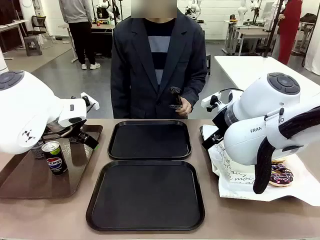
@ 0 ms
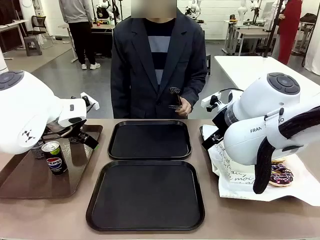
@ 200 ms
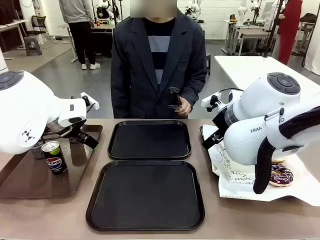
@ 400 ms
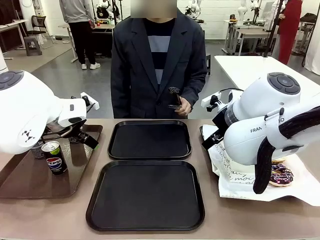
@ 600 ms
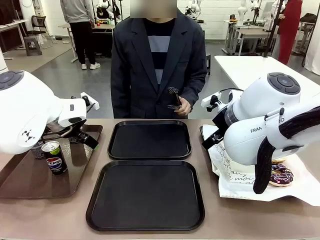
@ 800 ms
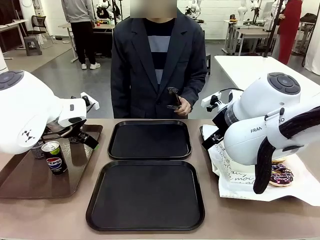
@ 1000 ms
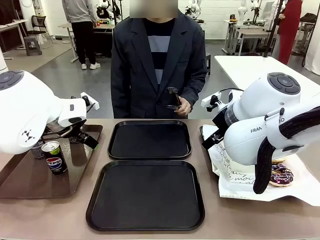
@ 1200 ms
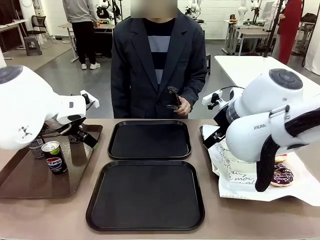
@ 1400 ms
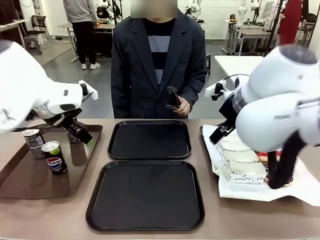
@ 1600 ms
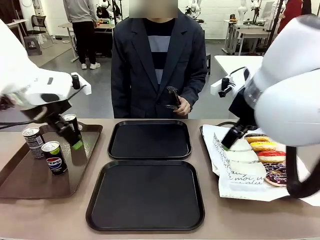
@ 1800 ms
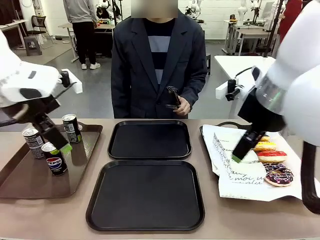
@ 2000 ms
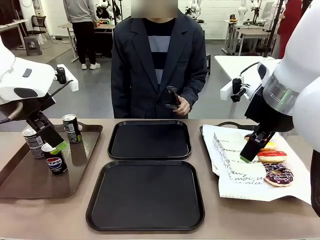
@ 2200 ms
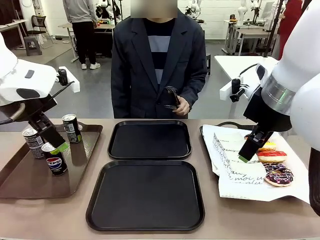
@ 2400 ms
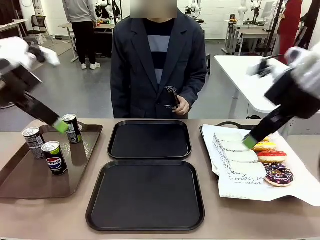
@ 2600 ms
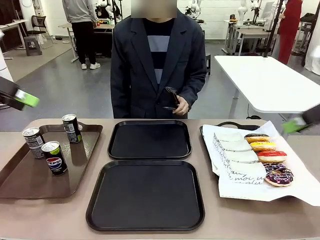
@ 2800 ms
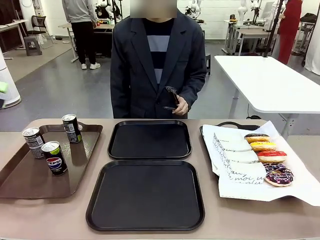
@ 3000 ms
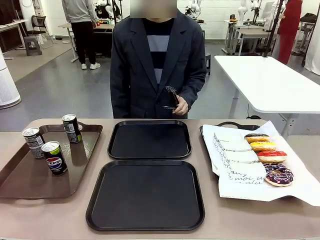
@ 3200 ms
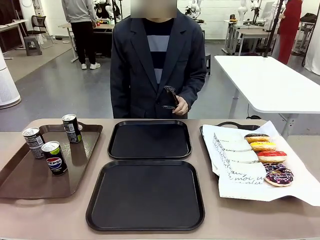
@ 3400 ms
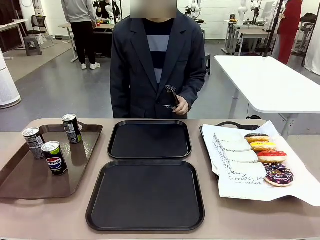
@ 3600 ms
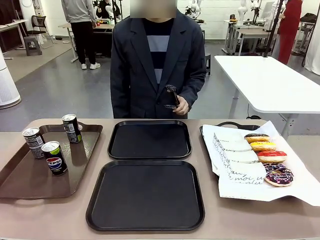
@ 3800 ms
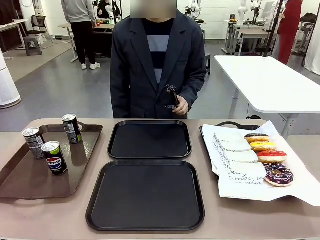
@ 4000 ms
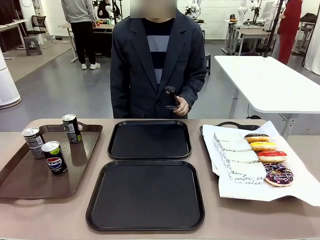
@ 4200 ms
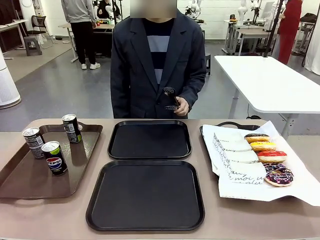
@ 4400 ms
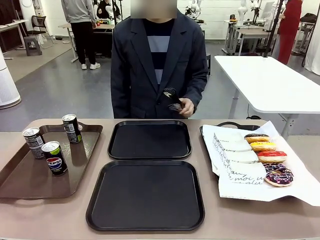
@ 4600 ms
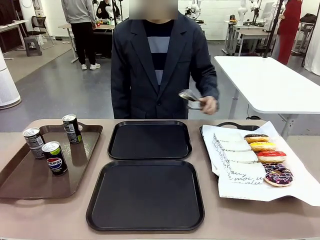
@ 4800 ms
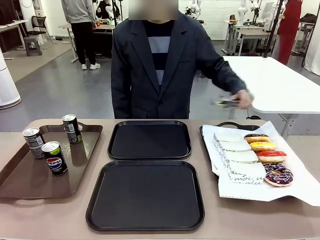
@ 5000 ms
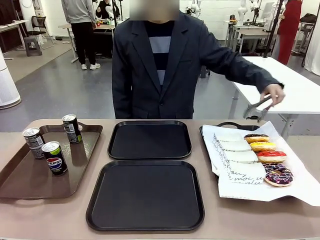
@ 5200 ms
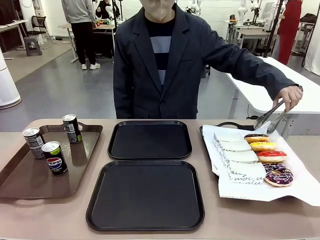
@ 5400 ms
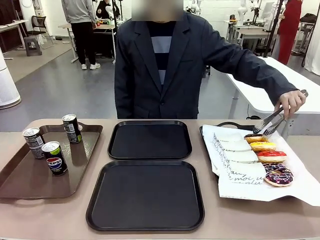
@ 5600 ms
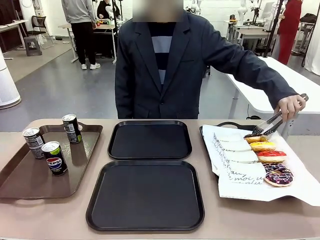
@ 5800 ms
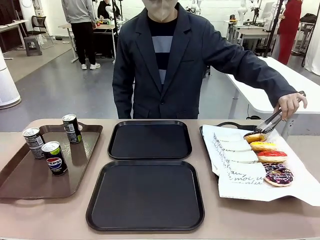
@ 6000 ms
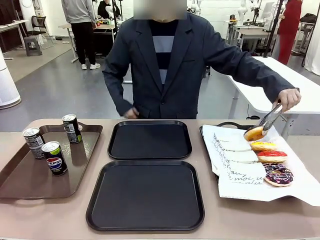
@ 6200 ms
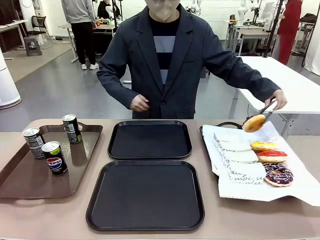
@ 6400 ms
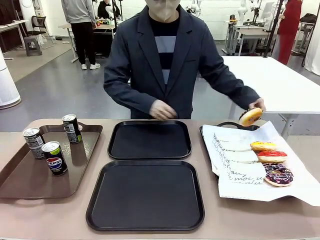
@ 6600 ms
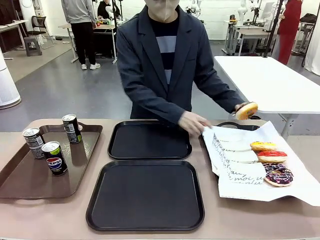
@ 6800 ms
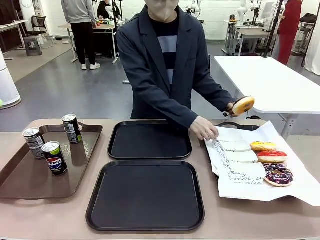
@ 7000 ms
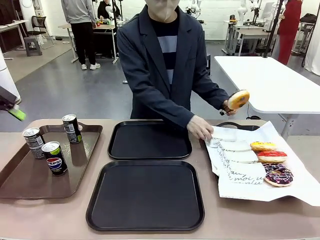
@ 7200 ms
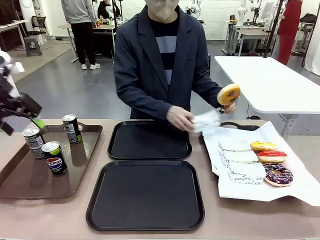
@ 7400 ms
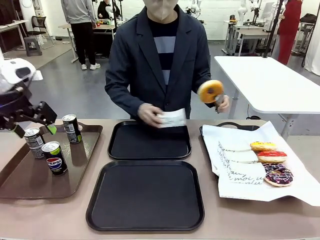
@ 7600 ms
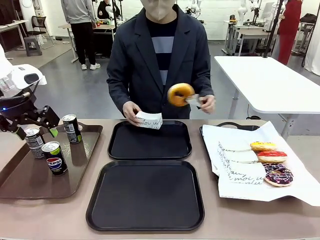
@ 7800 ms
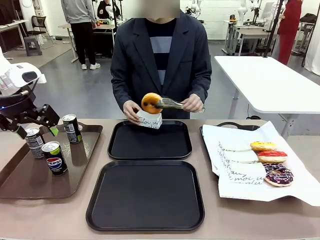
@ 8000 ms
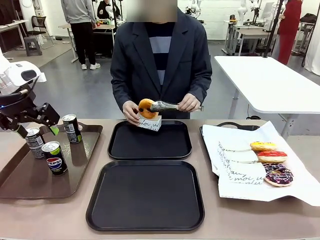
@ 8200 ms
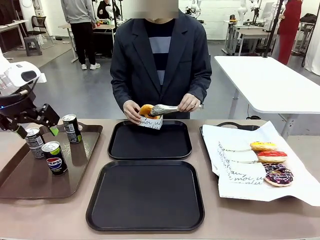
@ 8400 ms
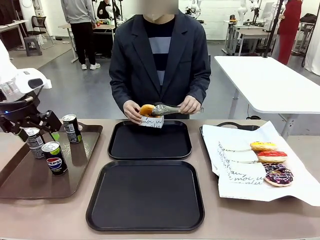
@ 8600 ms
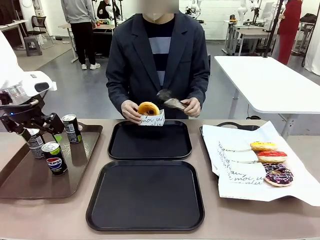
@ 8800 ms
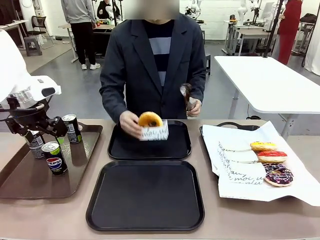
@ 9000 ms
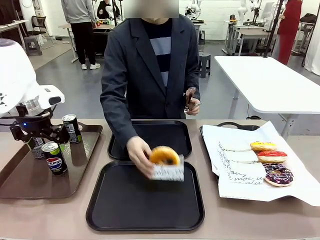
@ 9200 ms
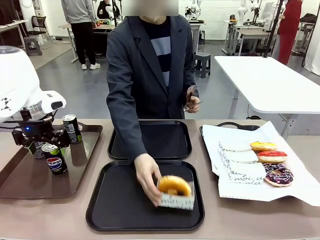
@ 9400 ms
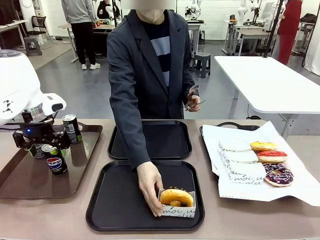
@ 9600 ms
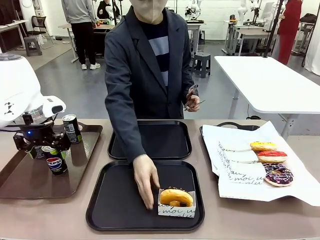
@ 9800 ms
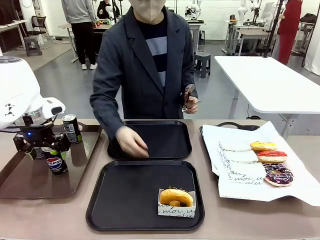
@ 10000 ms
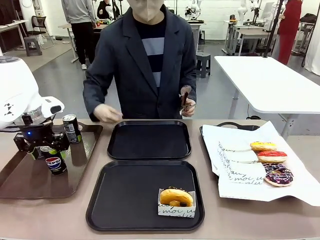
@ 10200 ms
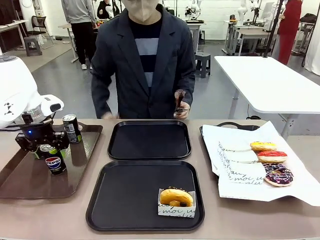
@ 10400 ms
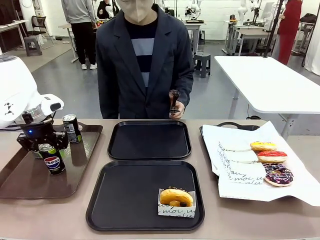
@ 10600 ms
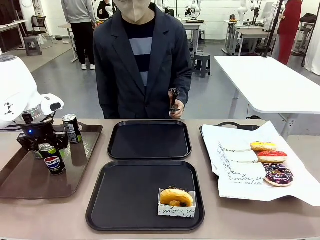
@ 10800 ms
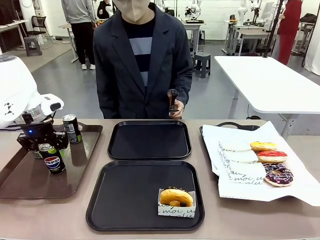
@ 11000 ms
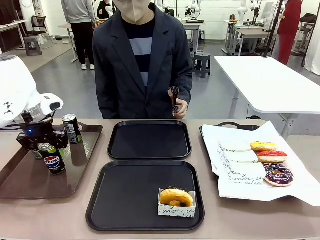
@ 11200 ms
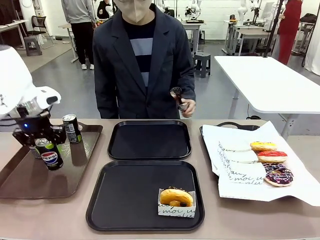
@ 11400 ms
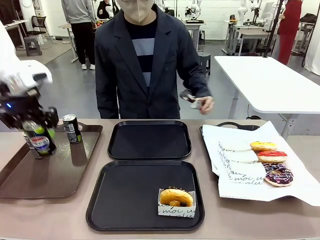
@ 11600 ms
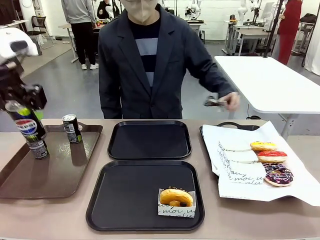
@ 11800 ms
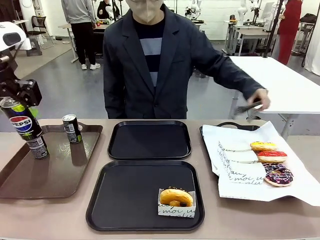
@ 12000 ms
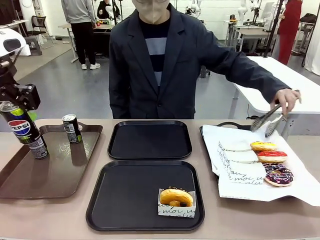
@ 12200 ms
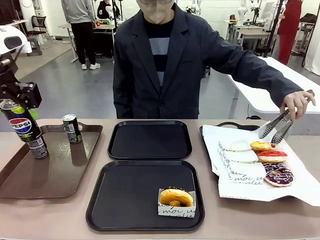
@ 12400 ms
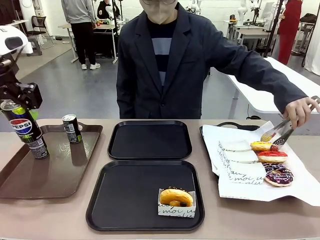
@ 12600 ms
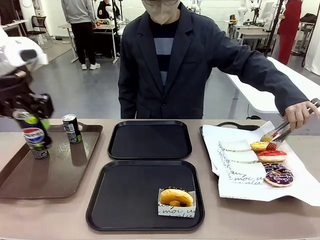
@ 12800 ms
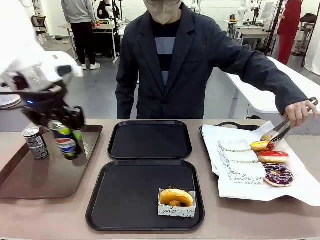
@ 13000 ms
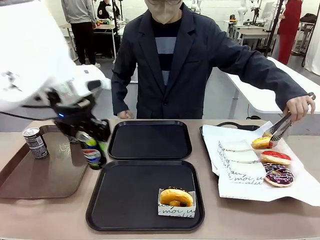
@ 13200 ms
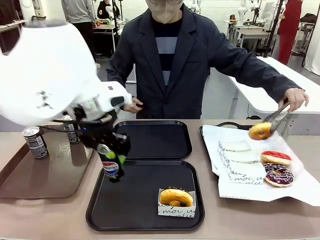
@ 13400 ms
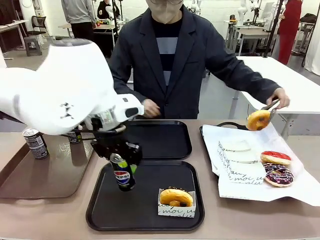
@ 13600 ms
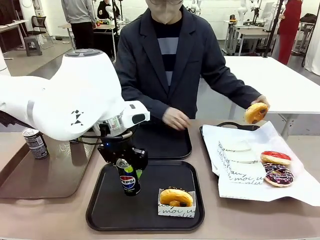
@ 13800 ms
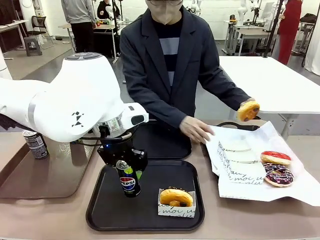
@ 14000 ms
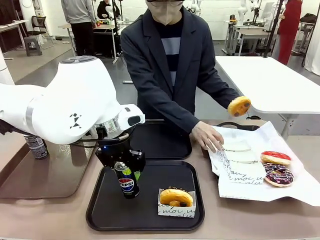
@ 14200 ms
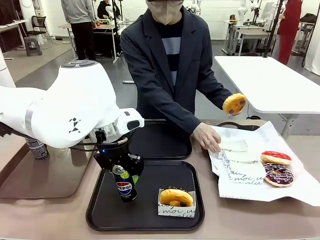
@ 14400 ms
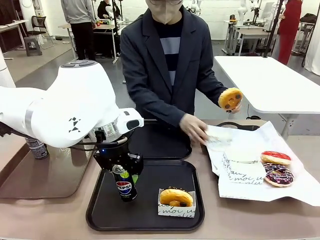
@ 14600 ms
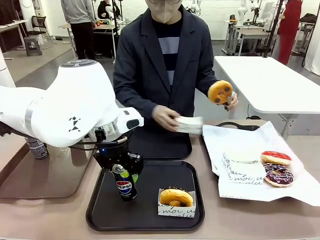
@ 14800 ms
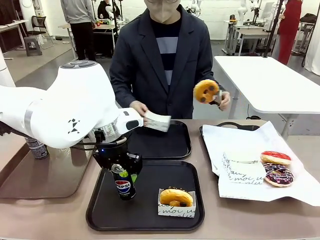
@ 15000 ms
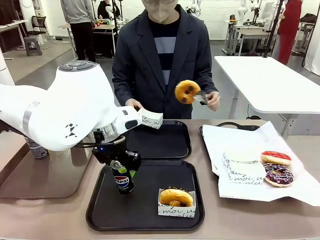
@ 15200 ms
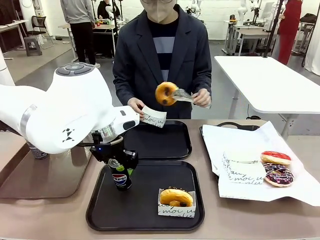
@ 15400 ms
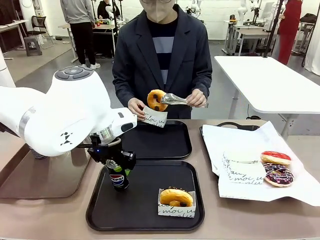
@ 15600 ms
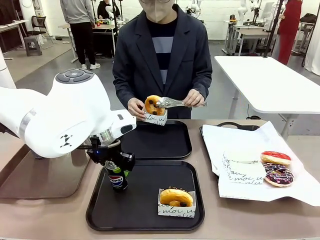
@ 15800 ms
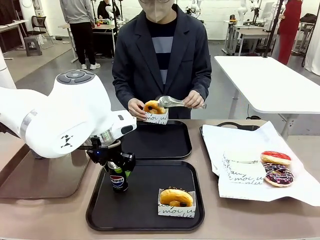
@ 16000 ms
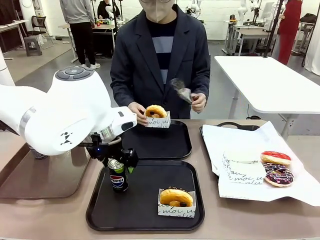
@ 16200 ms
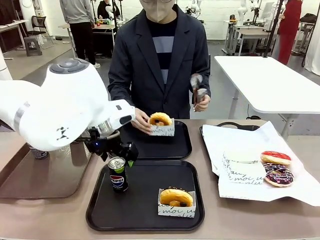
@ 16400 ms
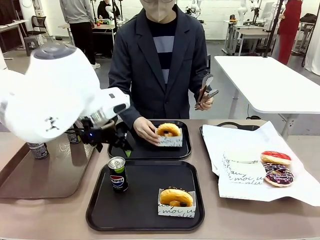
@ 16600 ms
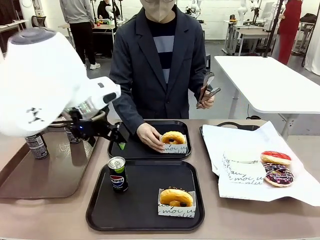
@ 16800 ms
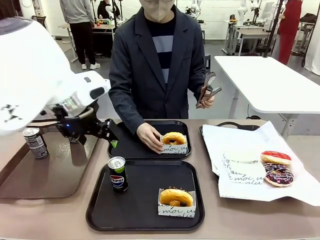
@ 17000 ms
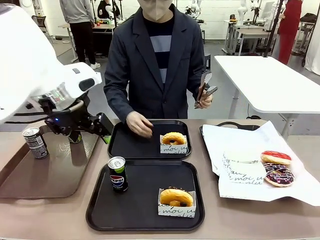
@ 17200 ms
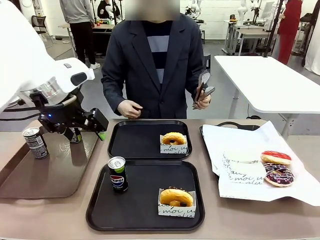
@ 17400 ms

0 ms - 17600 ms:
Task: Set up donuts and drinks on trays.
Robot: Pick up one Pepsi coke and place it on the Flat Tray.
